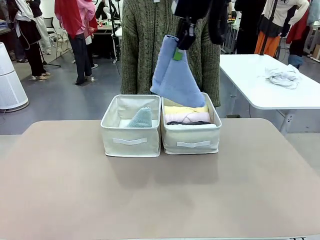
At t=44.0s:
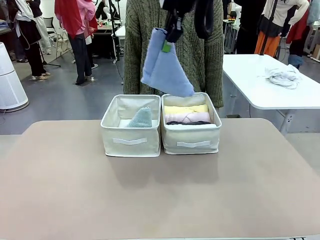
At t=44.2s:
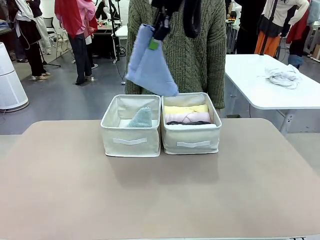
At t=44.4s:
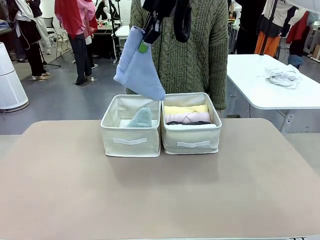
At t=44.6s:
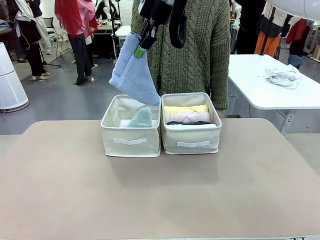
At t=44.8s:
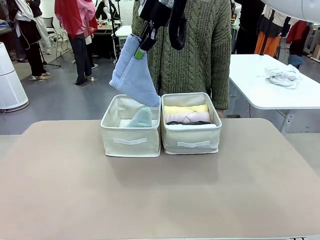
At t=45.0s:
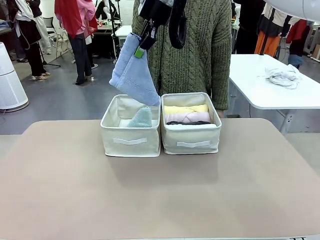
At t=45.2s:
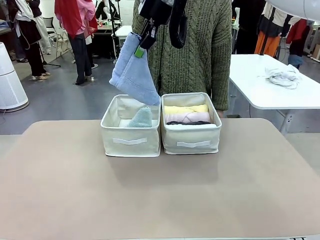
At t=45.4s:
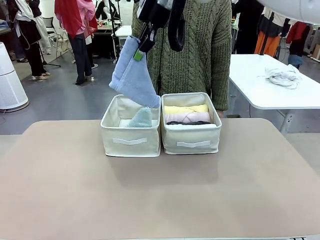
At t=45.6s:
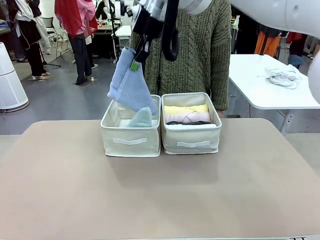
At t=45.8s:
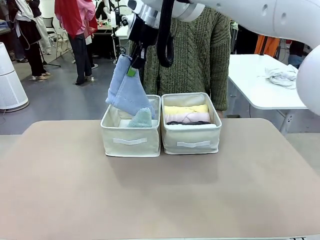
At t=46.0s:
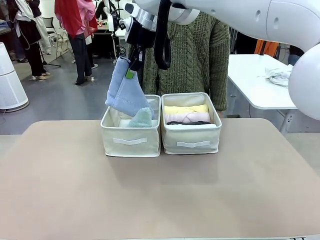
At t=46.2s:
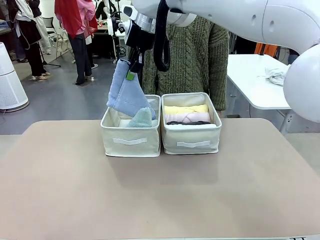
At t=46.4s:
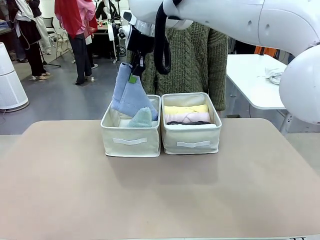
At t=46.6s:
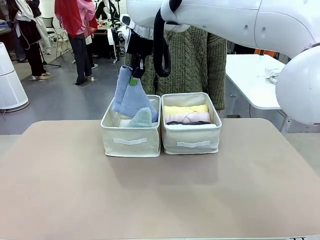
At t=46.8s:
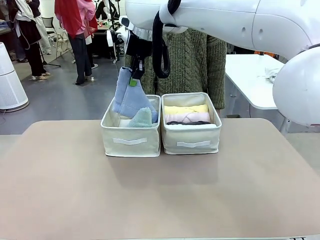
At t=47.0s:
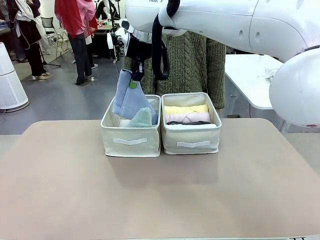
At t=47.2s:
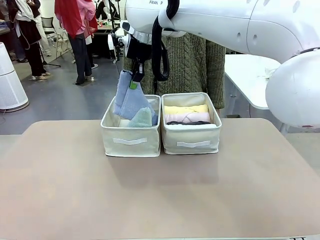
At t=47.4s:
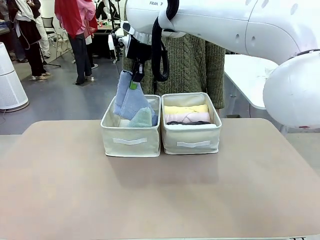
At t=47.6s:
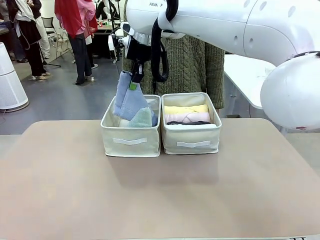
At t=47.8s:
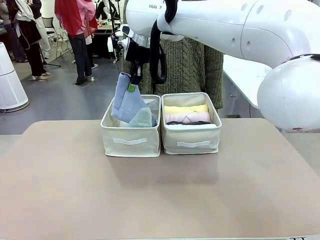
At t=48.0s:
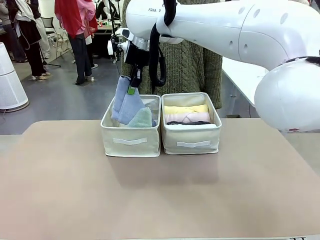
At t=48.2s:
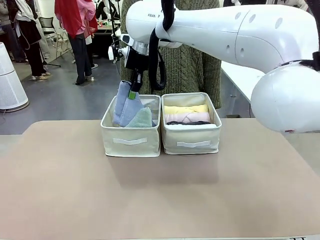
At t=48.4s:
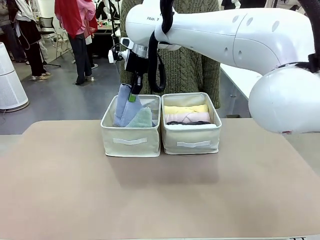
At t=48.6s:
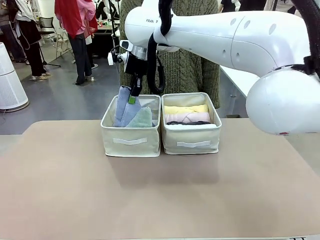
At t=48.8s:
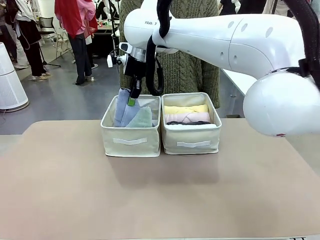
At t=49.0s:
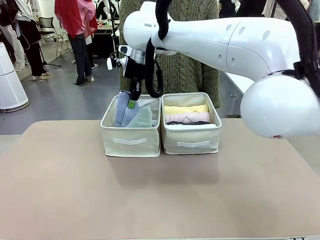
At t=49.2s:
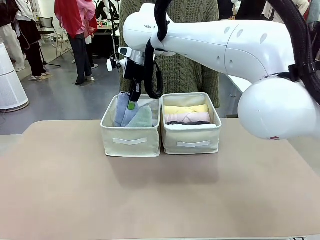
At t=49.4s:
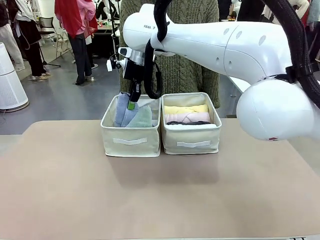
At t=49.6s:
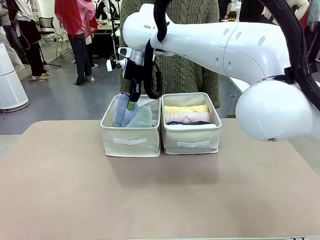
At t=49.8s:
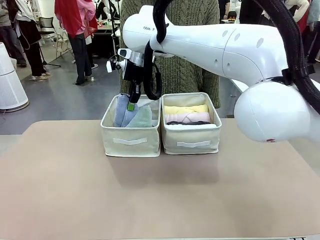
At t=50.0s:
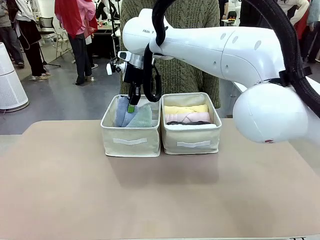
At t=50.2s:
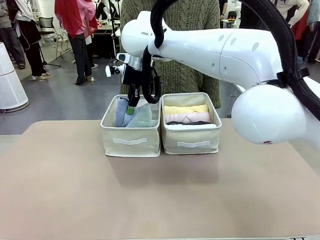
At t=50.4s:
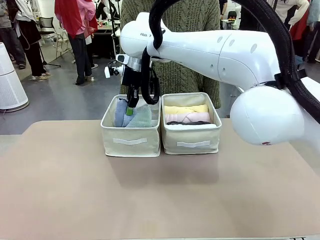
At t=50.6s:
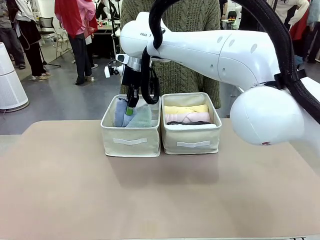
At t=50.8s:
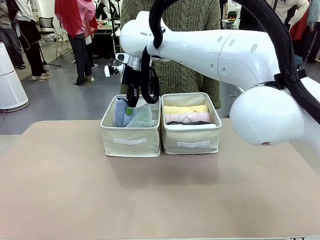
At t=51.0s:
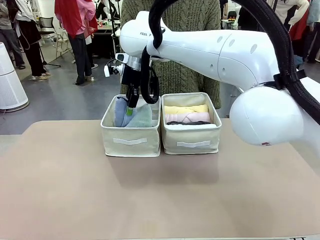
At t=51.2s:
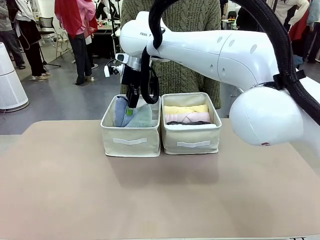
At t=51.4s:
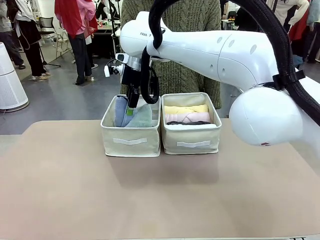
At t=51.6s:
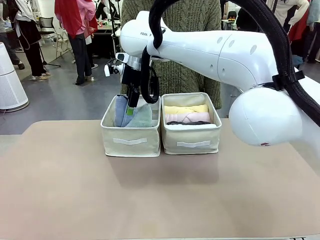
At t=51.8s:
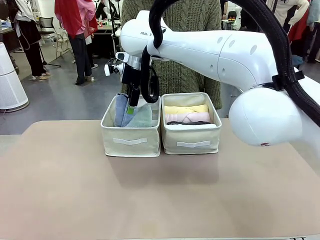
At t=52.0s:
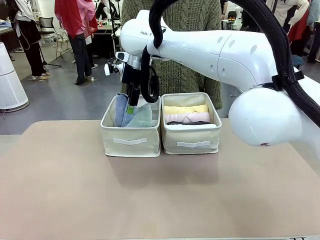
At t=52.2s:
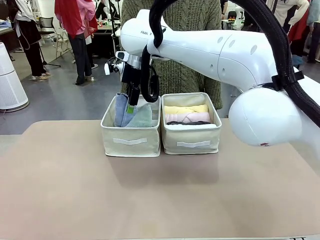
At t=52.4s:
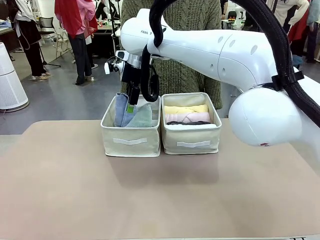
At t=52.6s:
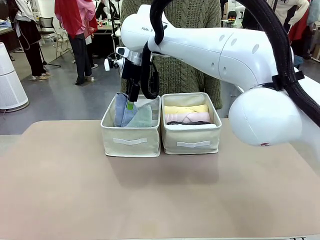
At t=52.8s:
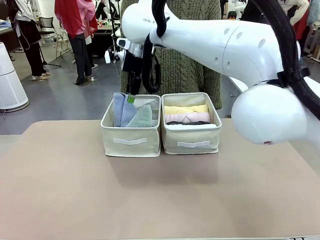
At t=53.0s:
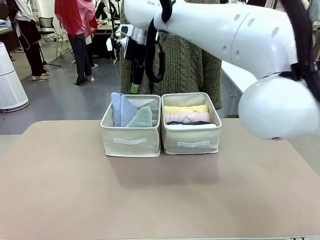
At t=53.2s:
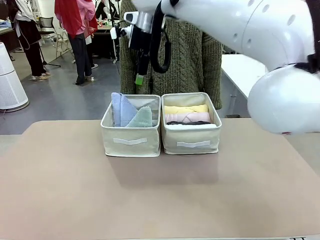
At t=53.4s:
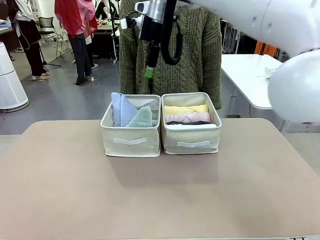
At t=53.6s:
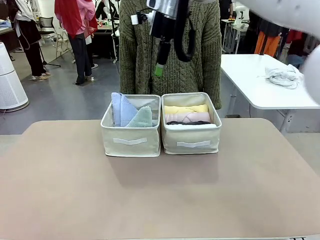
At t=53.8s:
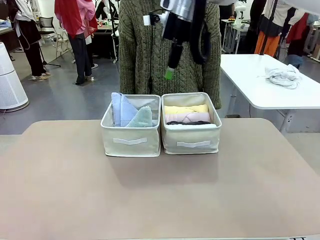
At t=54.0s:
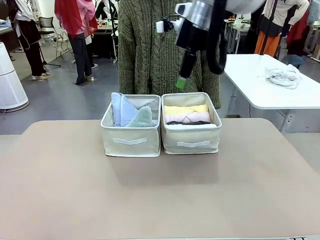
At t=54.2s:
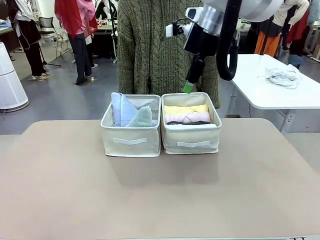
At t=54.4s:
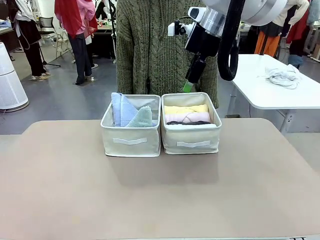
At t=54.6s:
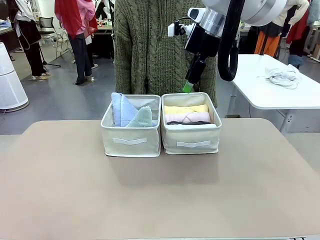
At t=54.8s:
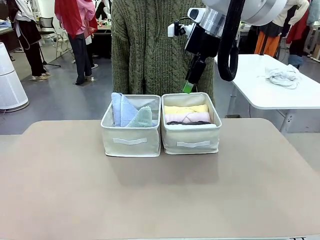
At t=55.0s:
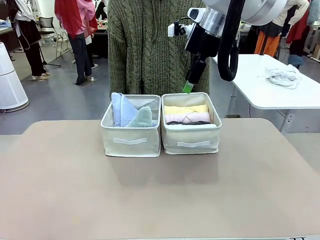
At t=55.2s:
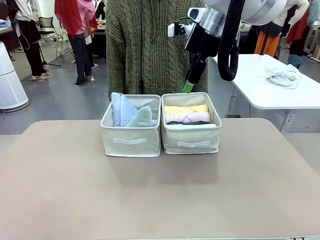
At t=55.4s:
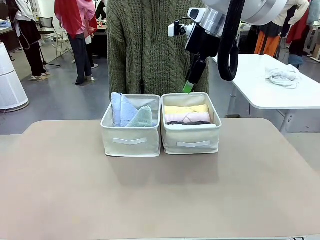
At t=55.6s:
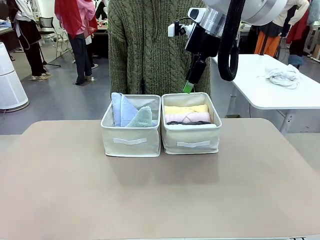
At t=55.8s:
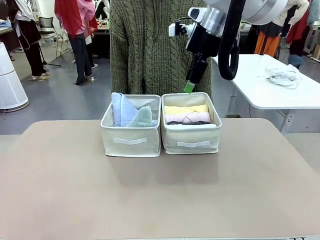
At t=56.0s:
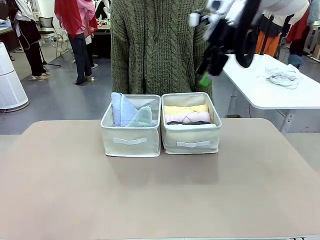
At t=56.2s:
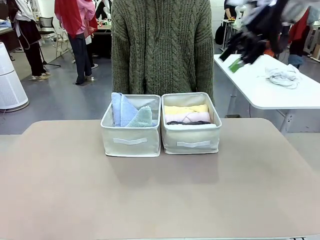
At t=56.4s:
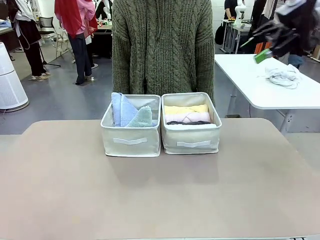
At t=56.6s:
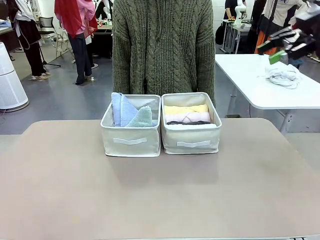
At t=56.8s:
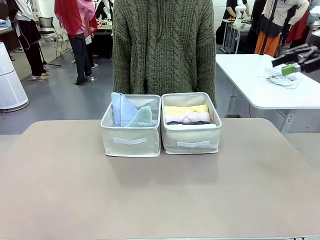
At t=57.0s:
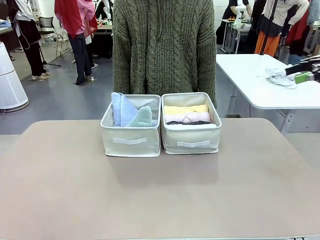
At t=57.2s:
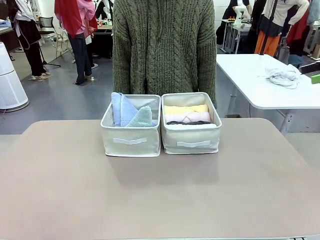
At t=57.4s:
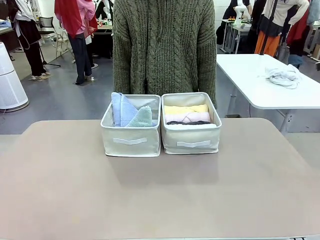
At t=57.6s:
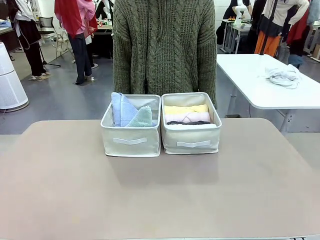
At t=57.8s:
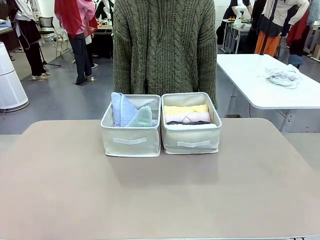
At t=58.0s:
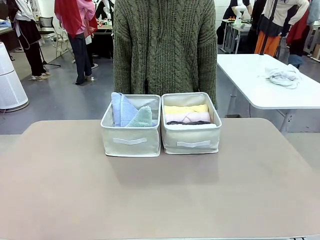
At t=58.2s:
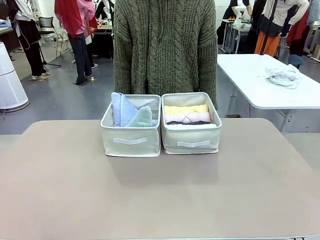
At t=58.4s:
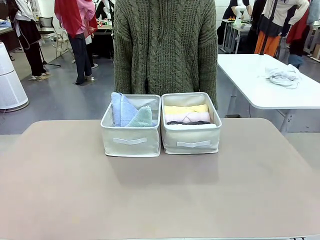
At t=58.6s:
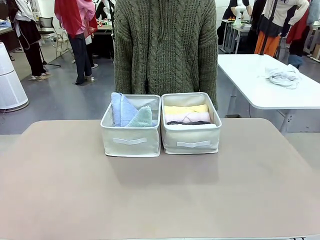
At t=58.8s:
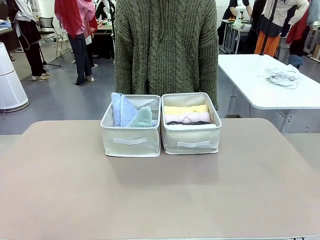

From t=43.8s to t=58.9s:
Task: Sort the towels based on their folding style.
Robot: Pick up another triangle-folded towel from the table and place it in the left Fabric basket.
